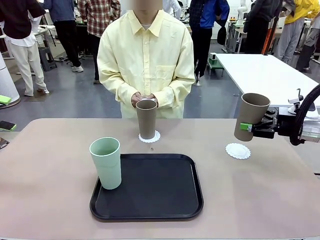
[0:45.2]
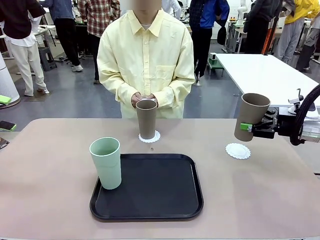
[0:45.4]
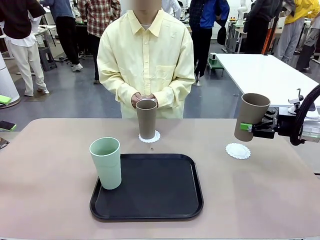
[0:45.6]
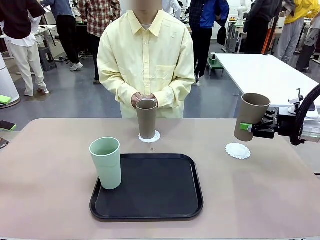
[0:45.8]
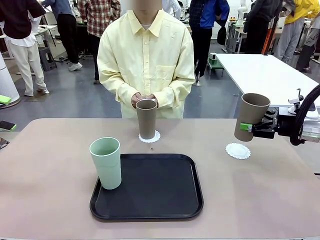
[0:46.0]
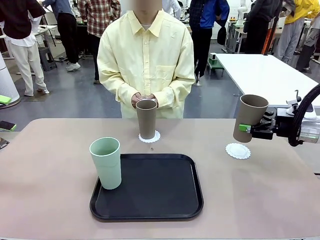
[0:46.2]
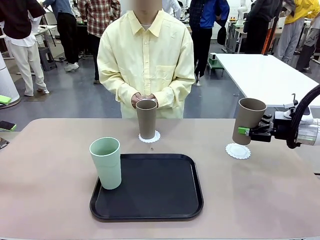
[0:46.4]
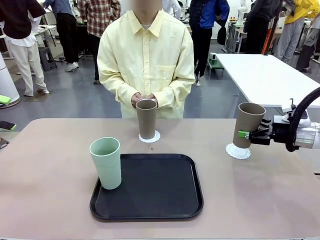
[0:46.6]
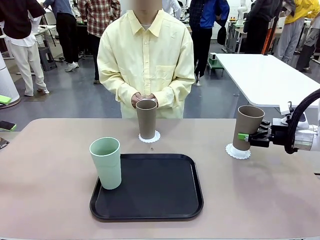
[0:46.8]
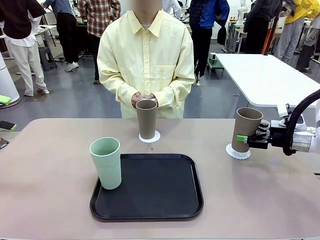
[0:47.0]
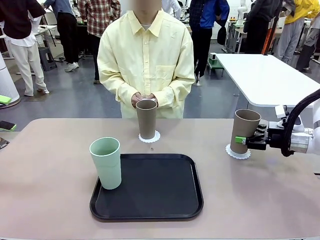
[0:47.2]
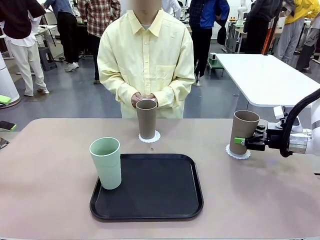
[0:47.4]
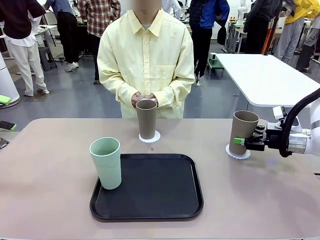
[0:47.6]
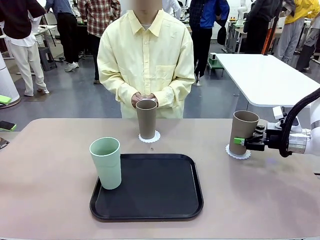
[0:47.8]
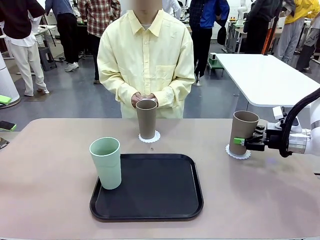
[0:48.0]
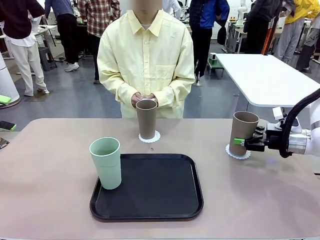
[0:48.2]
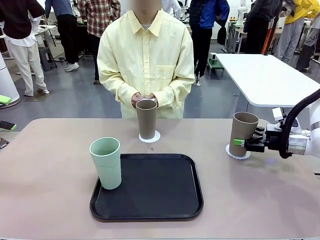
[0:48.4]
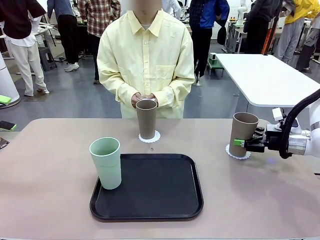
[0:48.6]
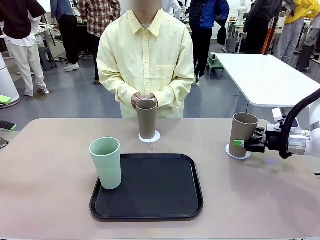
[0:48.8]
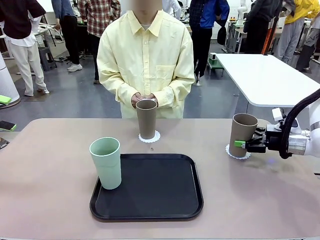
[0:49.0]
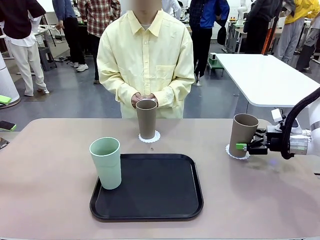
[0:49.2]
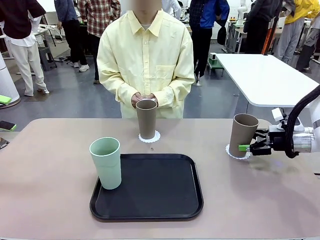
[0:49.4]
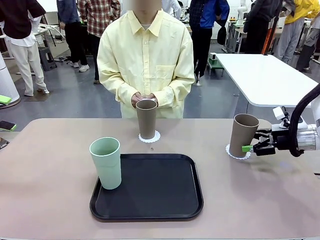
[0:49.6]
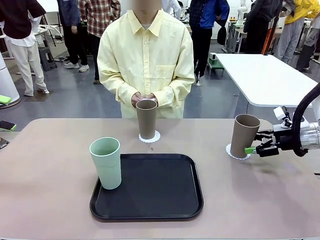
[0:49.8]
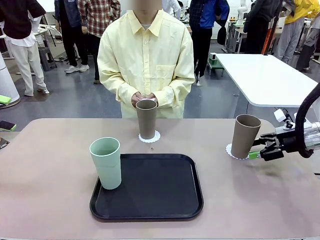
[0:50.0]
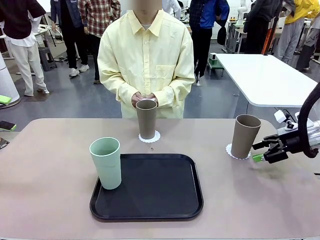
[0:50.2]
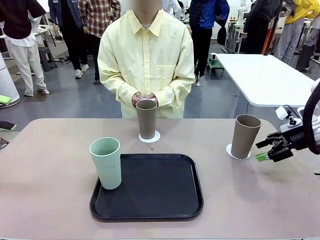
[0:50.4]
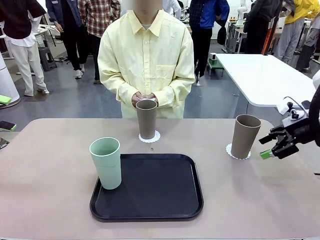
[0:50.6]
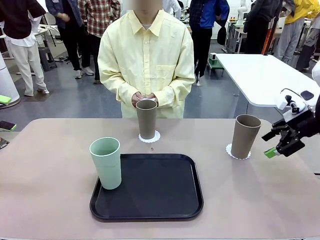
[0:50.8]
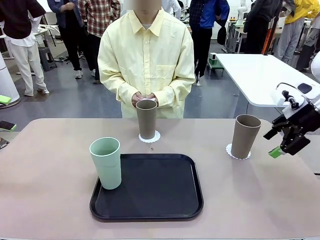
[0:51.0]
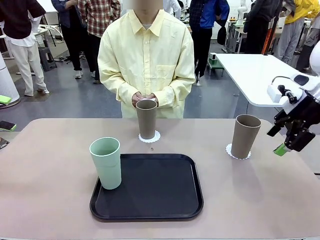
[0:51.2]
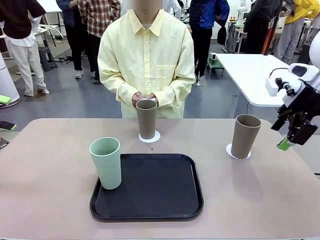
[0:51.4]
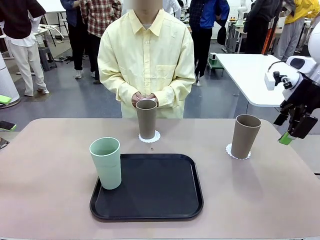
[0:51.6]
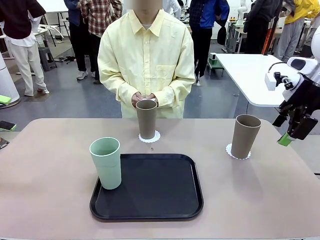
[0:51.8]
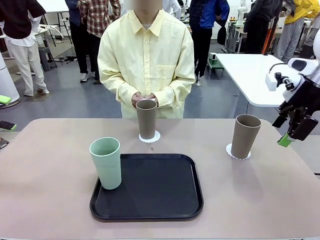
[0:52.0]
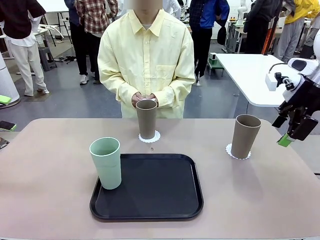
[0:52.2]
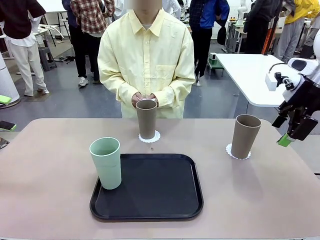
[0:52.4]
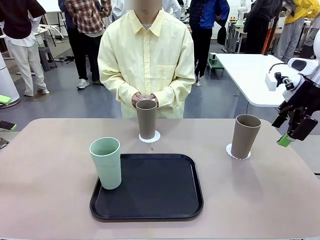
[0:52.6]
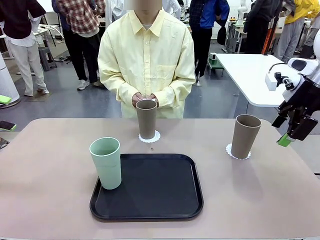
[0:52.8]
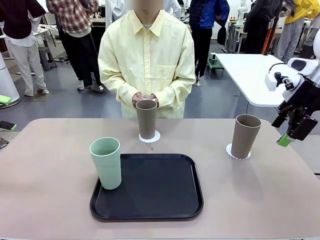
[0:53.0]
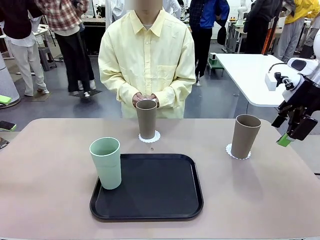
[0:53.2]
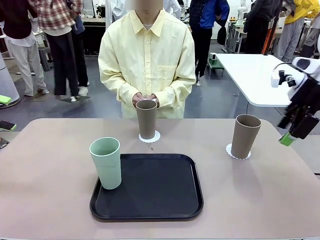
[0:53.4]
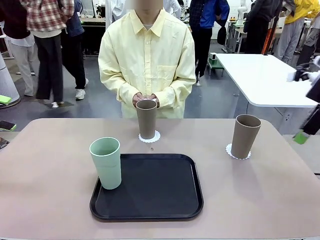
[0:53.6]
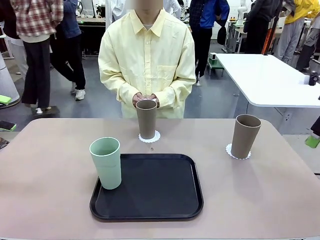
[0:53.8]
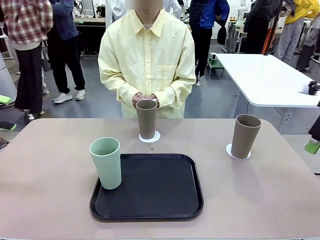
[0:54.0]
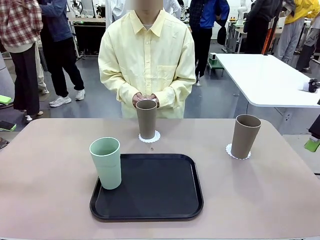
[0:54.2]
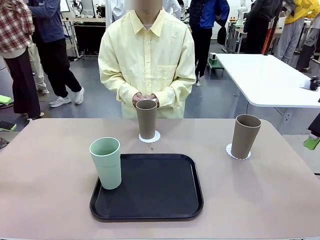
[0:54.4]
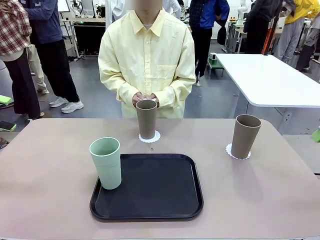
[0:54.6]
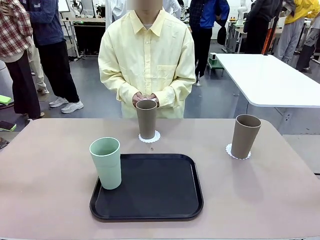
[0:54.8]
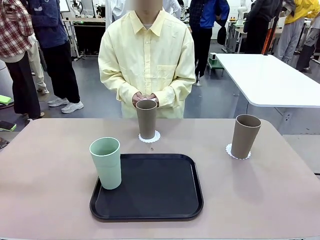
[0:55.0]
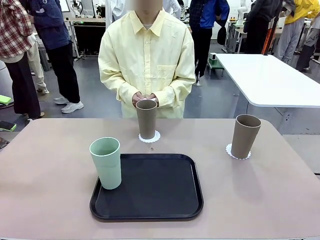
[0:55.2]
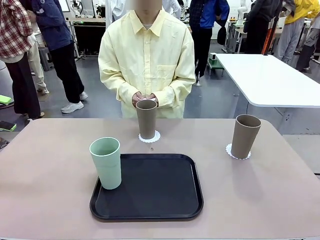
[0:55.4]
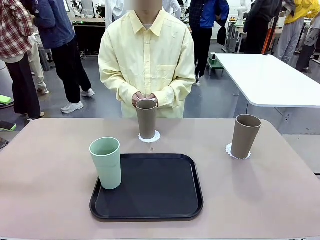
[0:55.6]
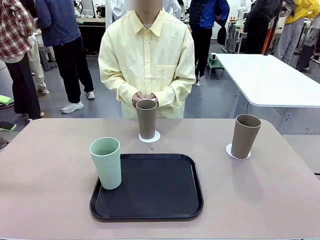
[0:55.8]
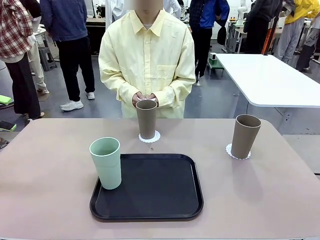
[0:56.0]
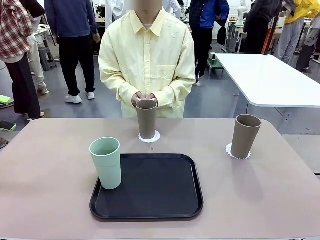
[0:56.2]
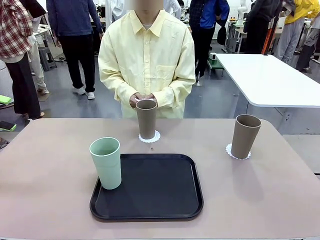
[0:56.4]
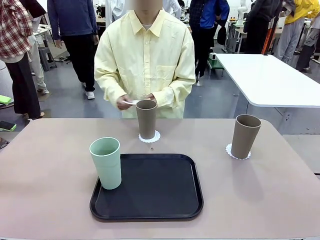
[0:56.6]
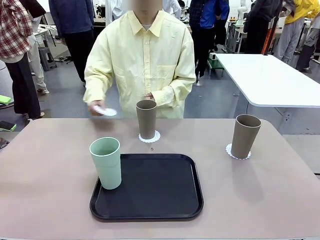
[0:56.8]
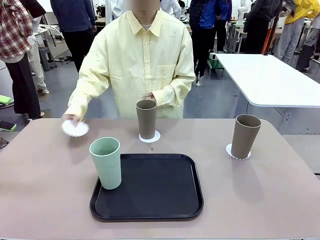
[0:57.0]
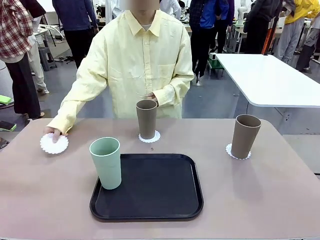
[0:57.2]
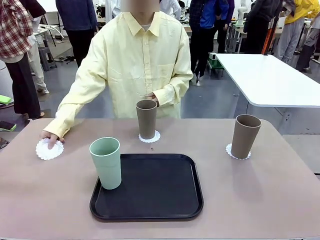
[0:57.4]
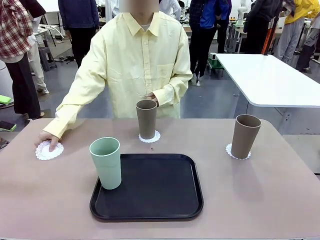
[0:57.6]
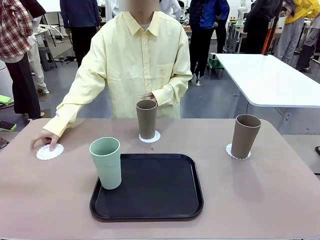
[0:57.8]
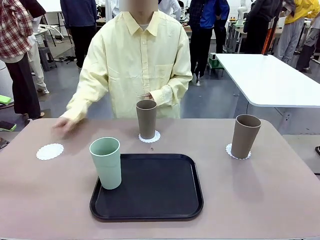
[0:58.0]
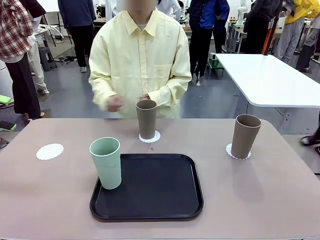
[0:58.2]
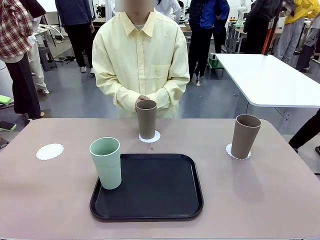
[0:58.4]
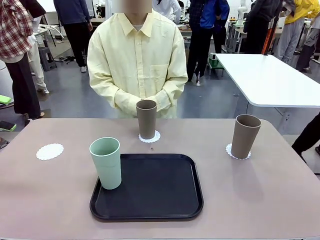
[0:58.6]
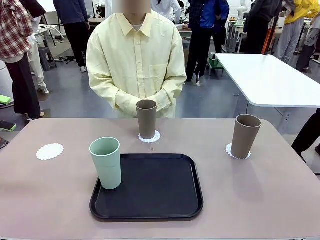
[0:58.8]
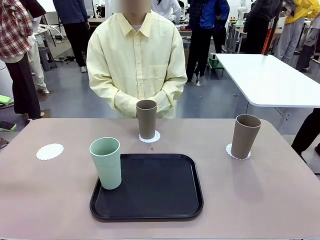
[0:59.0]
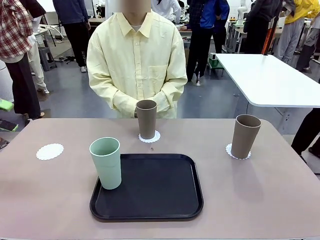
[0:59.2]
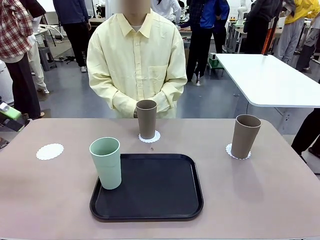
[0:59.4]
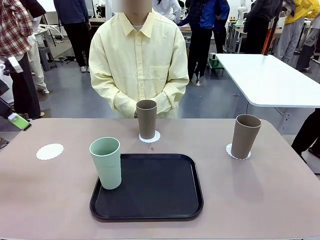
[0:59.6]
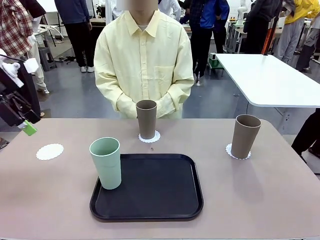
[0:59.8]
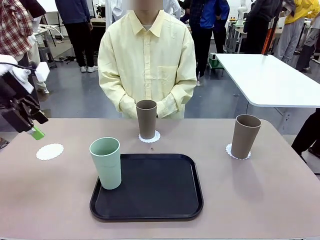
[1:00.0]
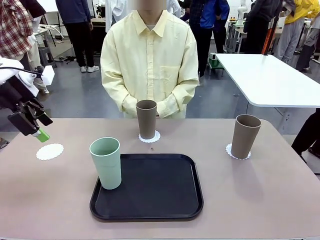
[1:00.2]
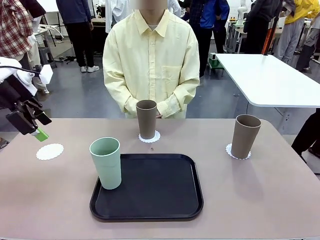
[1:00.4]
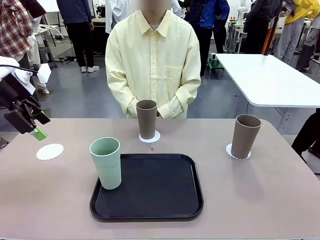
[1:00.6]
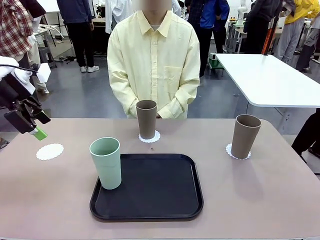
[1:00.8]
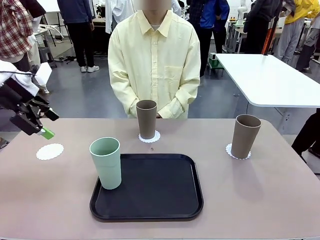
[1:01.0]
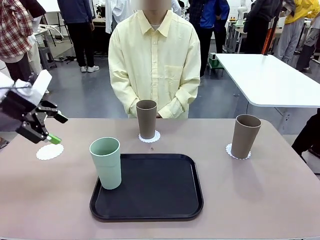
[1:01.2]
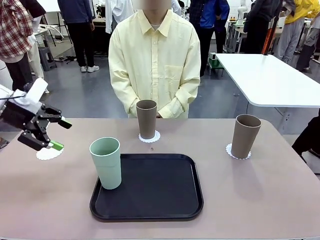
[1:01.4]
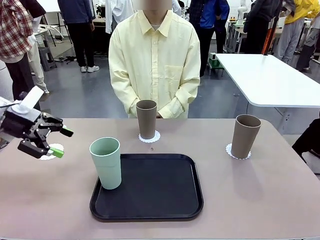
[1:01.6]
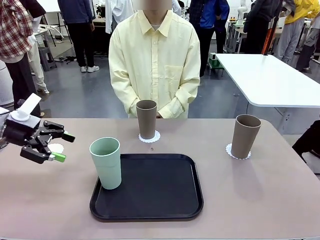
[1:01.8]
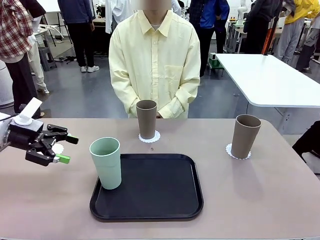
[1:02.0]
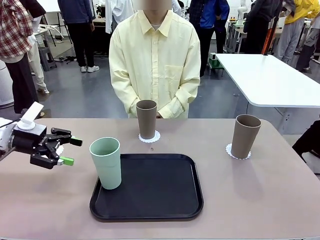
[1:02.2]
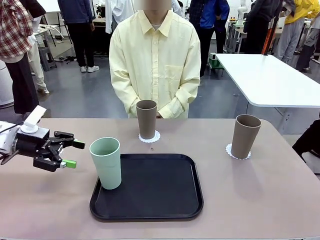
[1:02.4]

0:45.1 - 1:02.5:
Task: Place coasters on the table and set cups on them.
Robot: Take one Reusable plastic cup from the Flat Tray and place it on a coaster set by the human.
